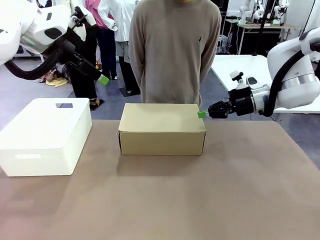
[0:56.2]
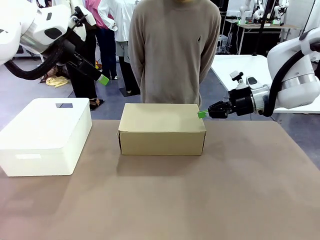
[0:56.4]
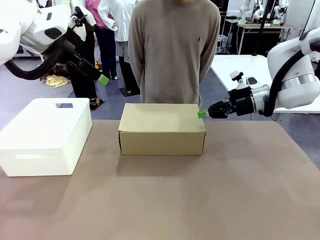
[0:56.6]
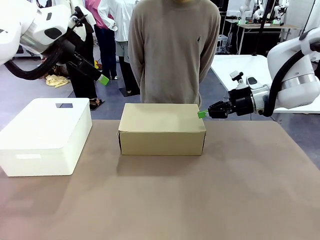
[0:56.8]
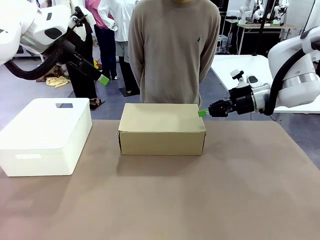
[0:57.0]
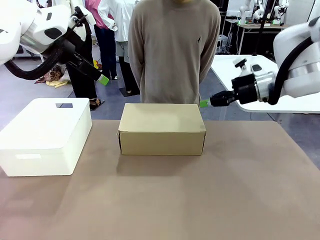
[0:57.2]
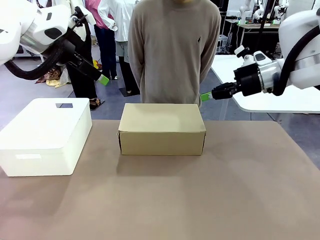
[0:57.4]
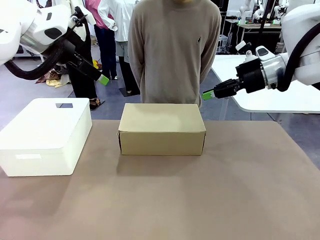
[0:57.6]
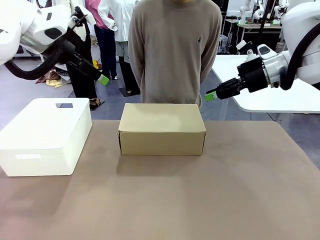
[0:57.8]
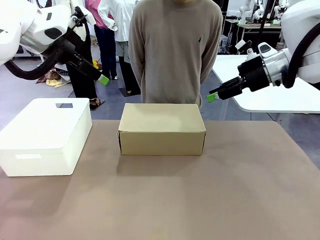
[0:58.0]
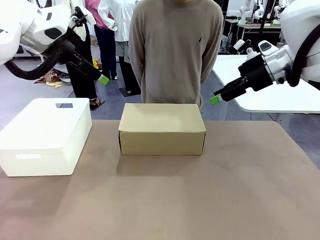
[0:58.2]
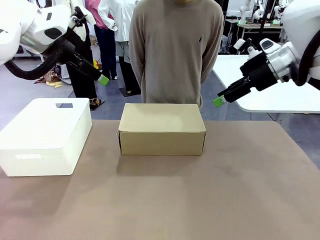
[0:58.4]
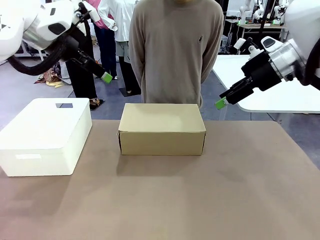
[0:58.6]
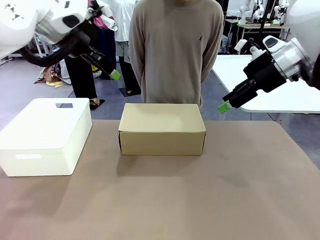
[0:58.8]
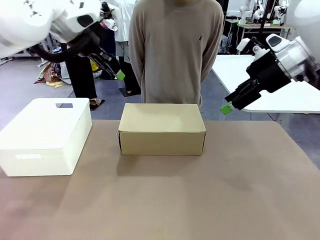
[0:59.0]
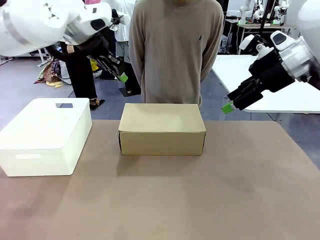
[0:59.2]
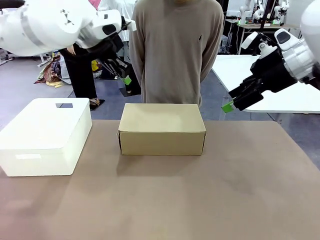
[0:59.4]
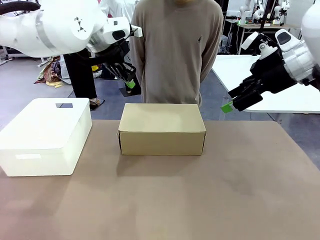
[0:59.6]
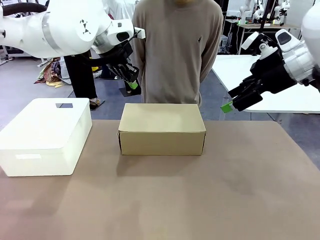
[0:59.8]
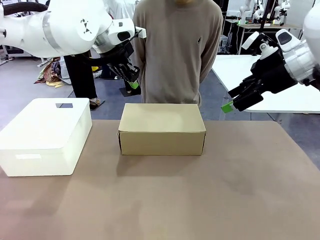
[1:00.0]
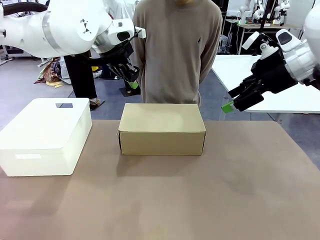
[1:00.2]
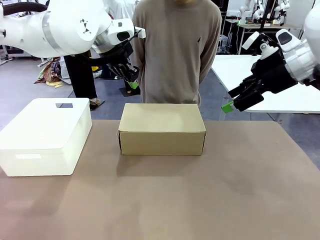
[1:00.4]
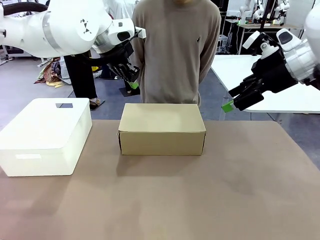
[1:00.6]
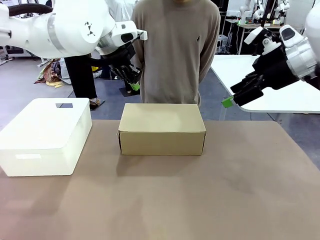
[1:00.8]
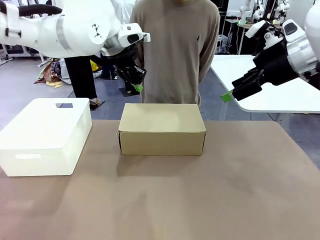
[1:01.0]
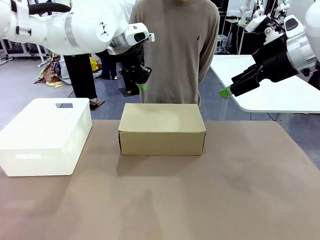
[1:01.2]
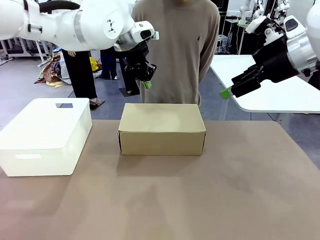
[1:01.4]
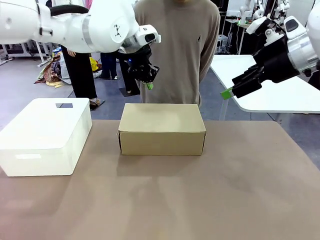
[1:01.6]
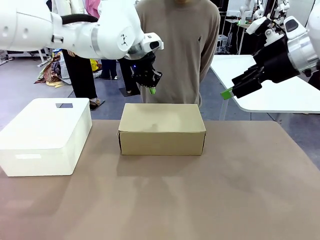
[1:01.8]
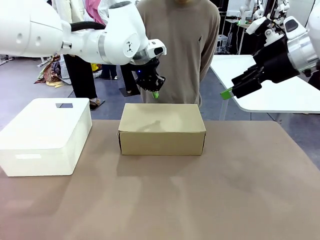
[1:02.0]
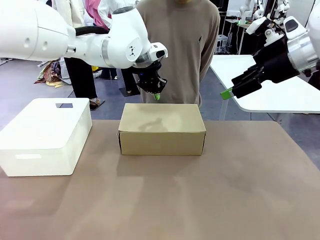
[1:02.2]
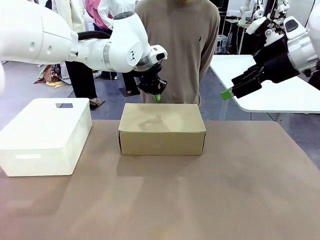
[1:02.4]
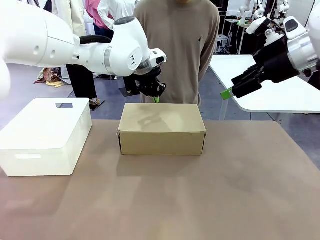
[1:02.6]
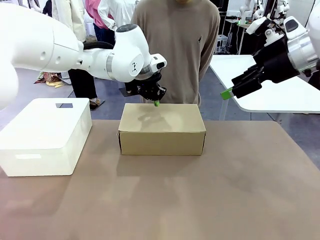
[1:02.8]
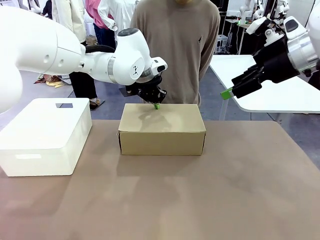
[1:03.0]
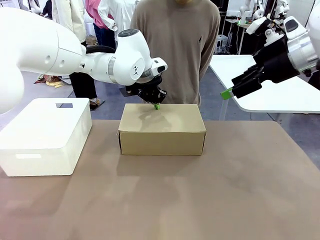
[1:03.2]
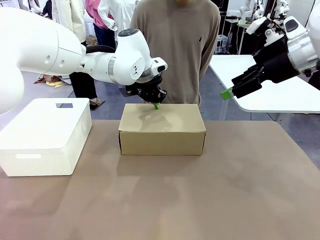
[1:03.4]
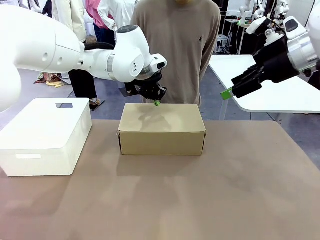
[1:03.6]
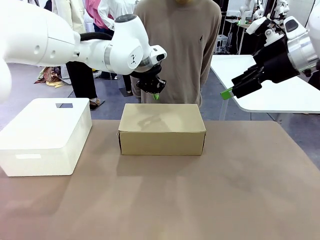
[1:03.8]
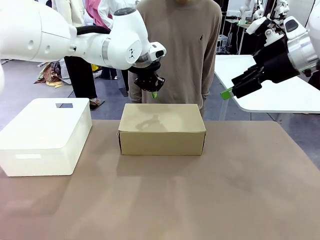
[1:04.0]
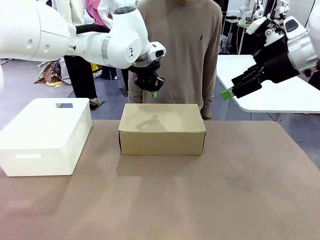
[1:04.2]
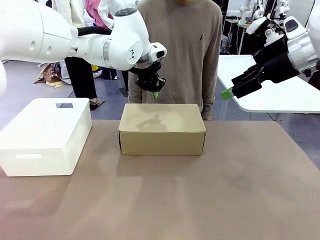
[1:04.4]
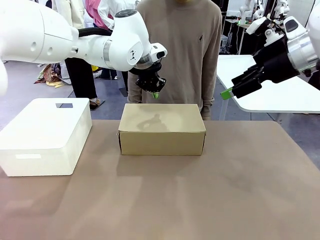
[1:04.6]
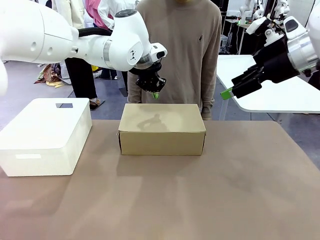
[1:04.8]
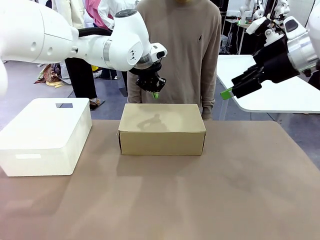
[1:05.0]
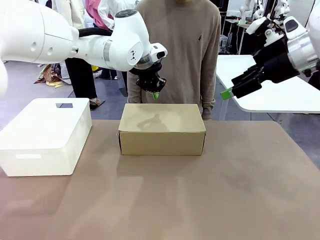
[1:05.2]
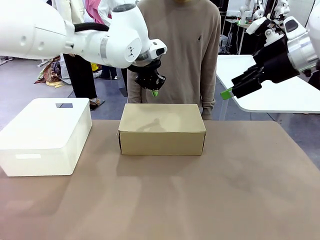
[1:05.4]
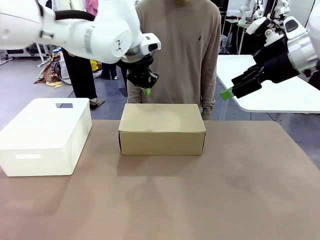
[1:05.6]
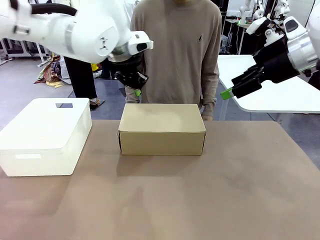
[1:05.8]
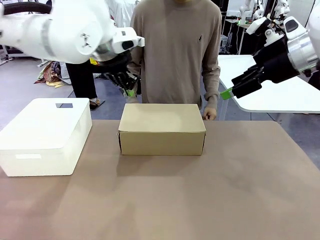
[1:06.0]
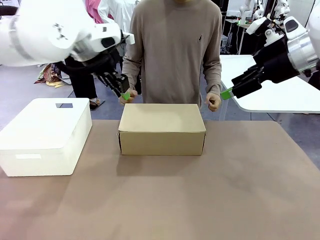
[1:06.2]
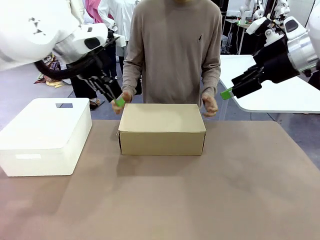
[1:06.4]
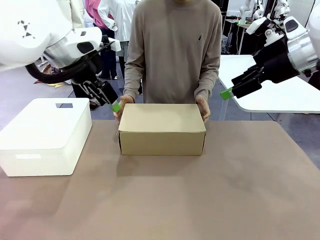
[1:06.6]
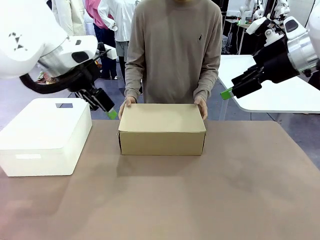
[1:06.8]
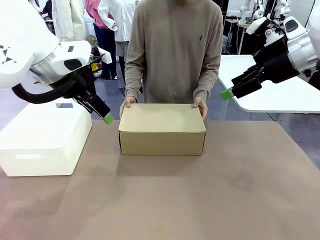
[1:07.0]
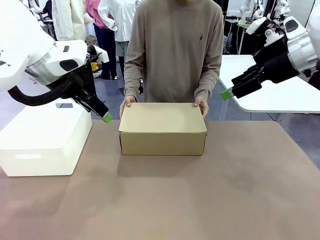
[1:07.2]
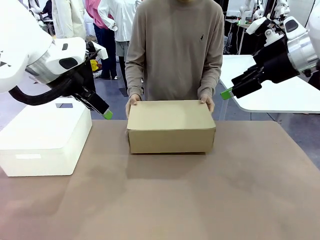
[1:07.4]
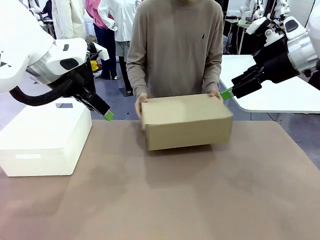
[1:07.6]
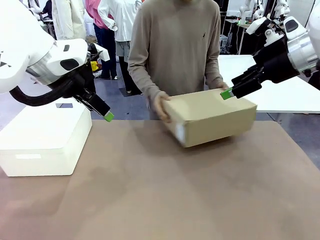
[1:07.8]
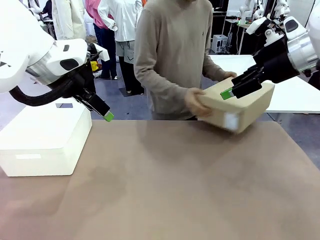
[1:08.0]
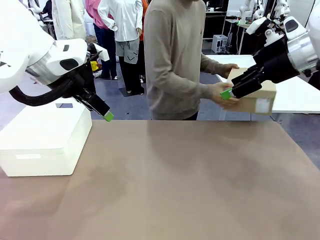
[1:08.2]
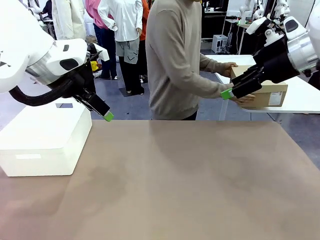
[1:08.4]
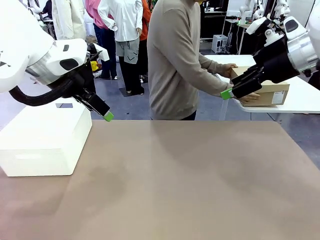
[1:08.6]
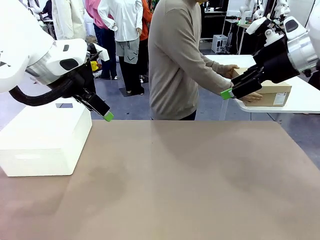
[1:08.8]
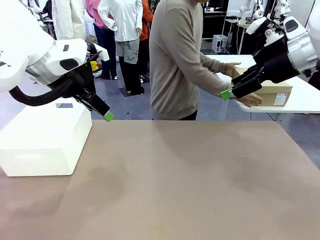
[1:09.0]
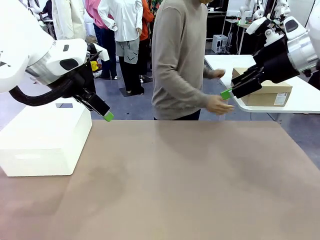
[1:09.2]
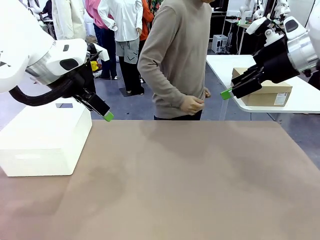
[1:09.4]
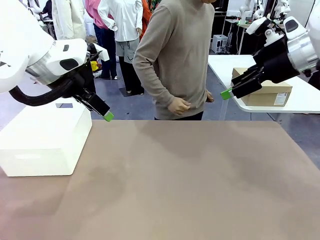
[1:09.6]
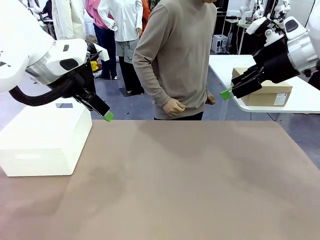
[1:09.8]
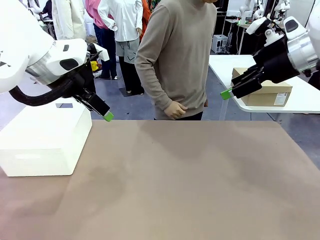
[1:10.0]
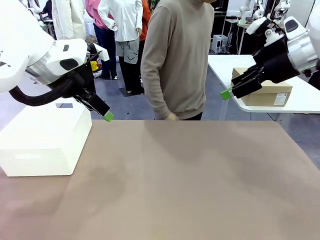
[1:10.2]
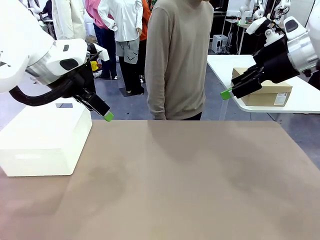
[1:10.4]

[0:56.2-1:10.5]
Task: Pack the shoes into the box.
Robot: Press down on the lid of the Shoes Box.
Person: Place the closed Shoes Box to the right side of the human table.
